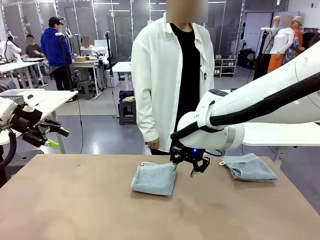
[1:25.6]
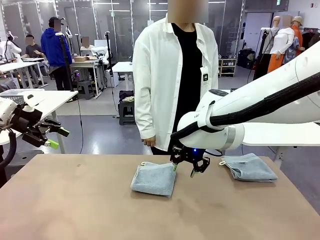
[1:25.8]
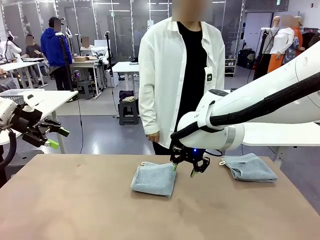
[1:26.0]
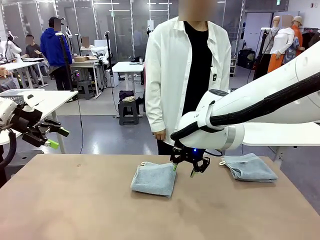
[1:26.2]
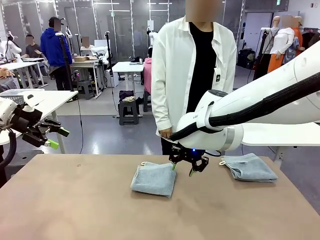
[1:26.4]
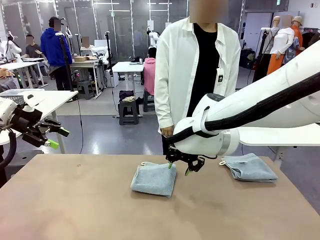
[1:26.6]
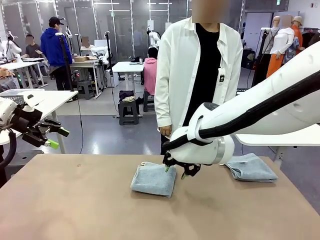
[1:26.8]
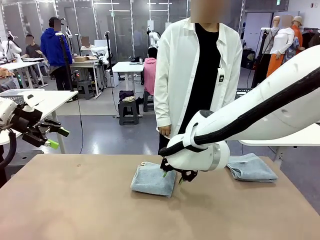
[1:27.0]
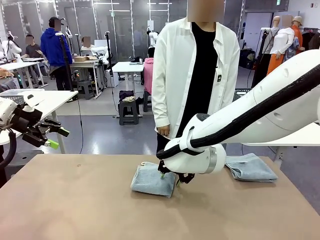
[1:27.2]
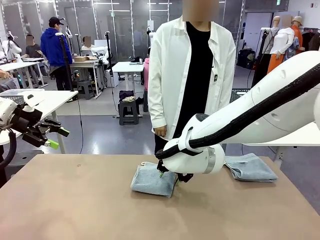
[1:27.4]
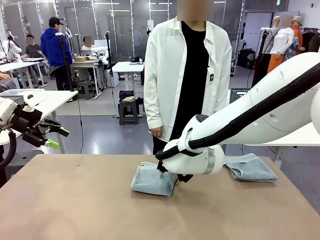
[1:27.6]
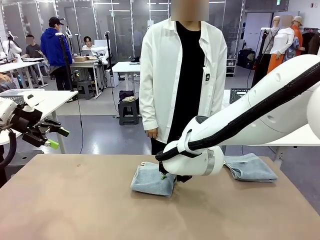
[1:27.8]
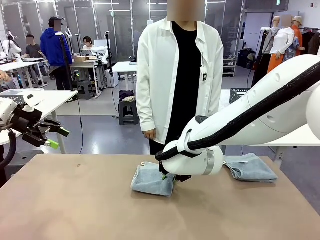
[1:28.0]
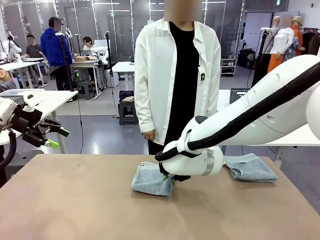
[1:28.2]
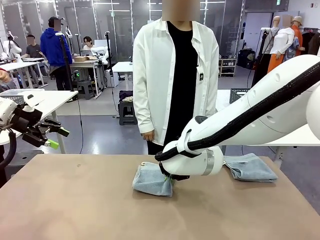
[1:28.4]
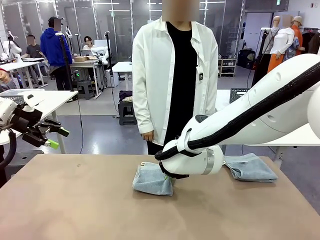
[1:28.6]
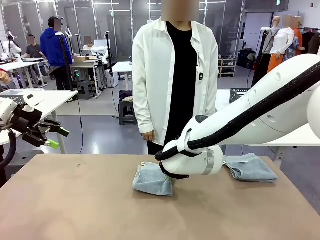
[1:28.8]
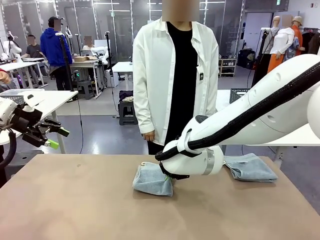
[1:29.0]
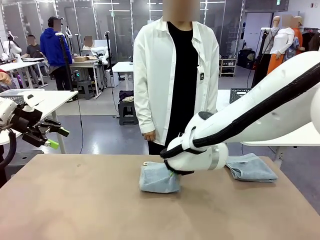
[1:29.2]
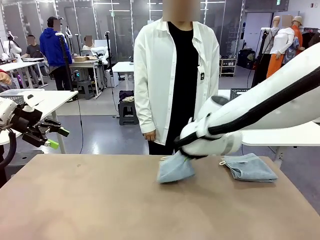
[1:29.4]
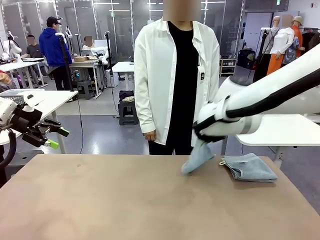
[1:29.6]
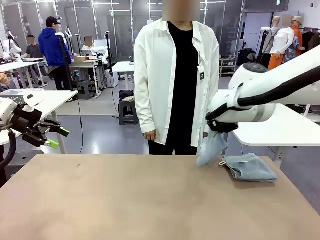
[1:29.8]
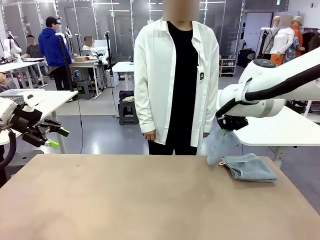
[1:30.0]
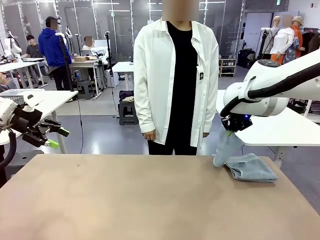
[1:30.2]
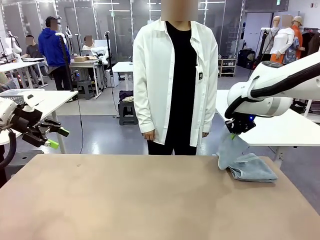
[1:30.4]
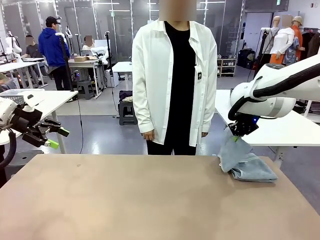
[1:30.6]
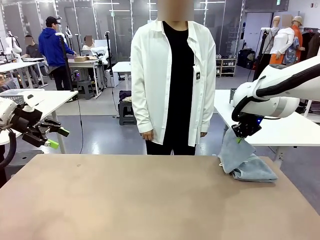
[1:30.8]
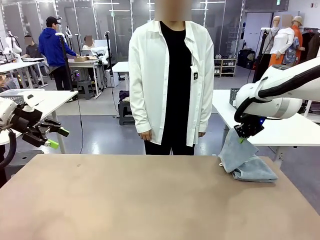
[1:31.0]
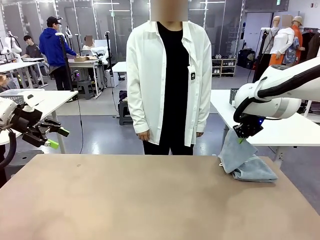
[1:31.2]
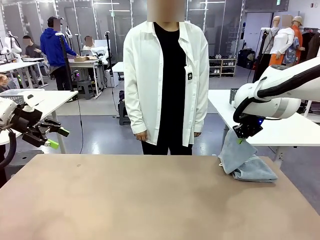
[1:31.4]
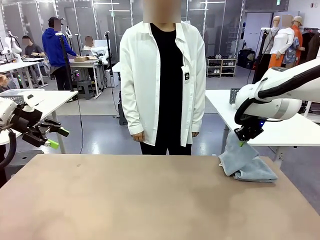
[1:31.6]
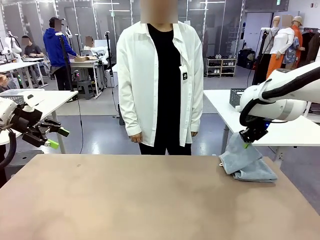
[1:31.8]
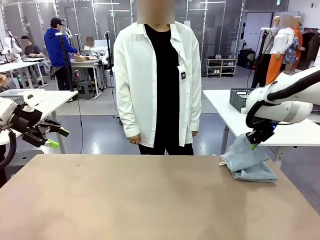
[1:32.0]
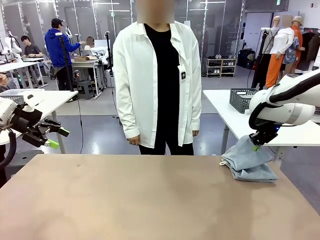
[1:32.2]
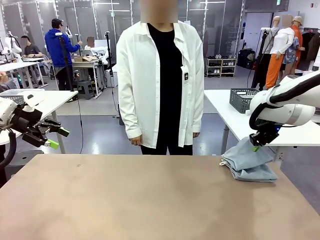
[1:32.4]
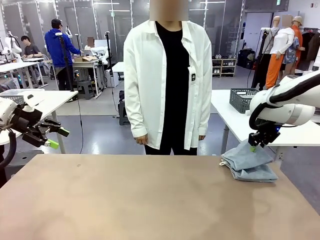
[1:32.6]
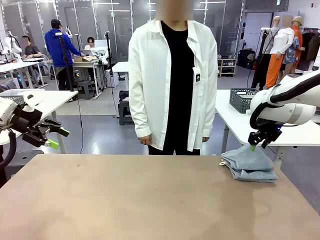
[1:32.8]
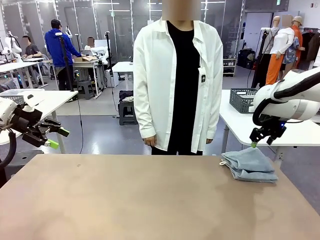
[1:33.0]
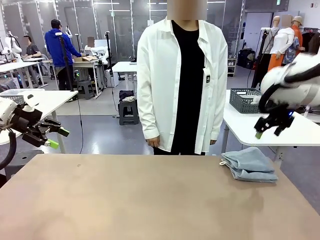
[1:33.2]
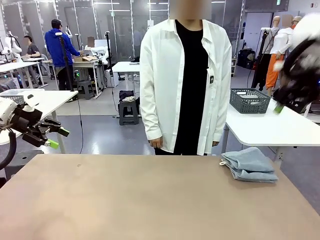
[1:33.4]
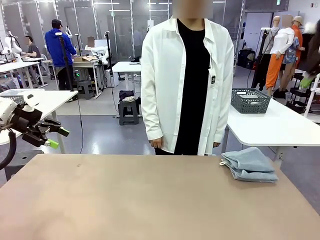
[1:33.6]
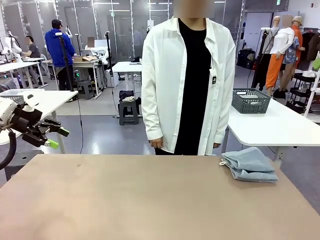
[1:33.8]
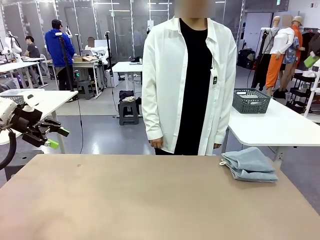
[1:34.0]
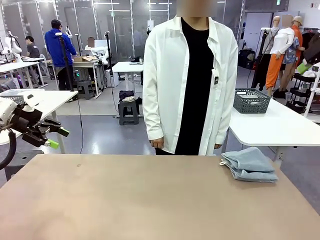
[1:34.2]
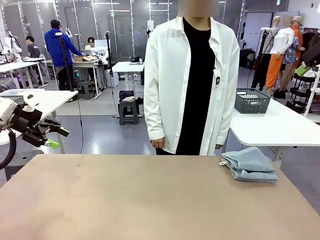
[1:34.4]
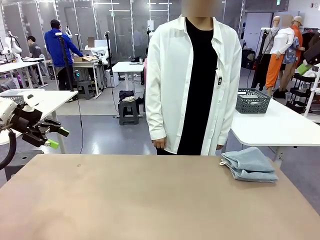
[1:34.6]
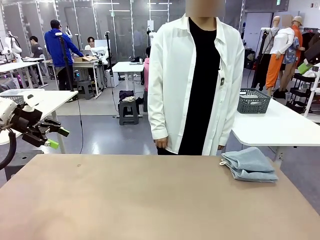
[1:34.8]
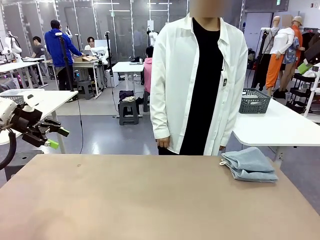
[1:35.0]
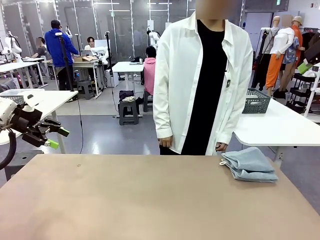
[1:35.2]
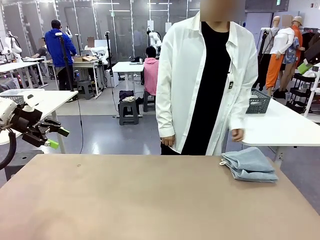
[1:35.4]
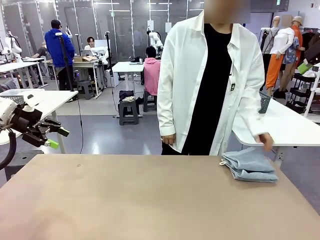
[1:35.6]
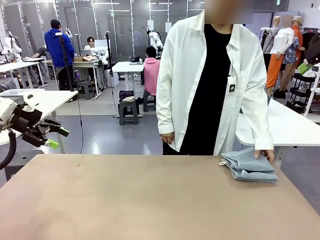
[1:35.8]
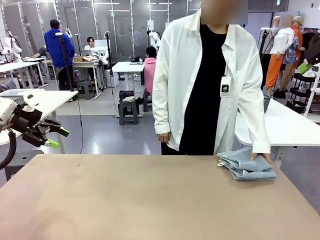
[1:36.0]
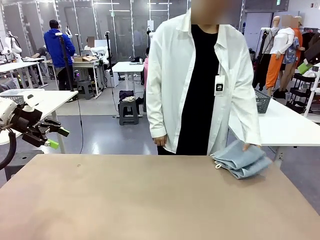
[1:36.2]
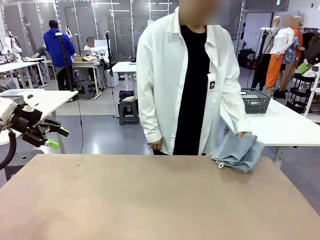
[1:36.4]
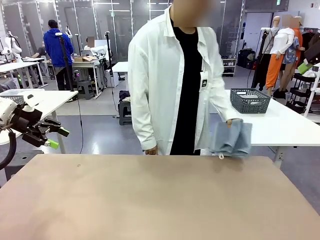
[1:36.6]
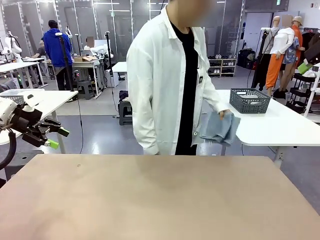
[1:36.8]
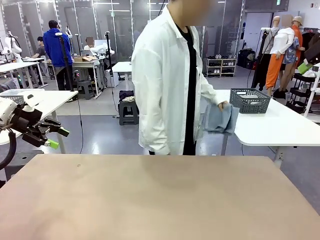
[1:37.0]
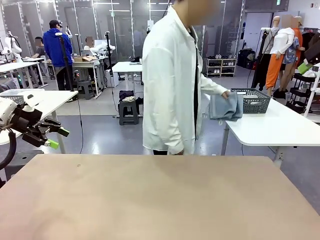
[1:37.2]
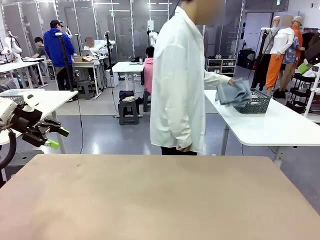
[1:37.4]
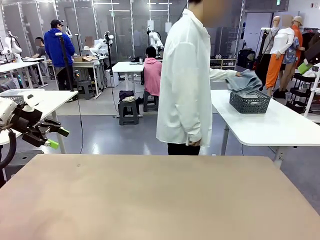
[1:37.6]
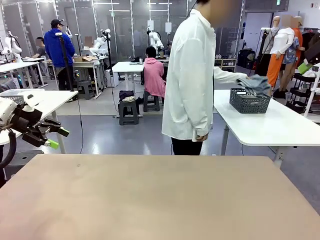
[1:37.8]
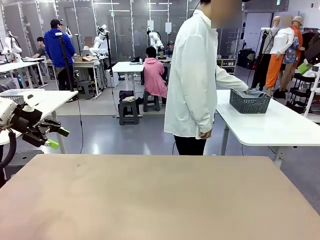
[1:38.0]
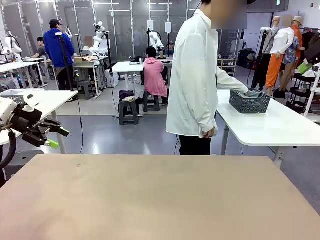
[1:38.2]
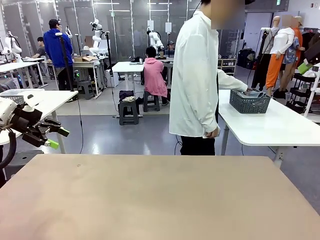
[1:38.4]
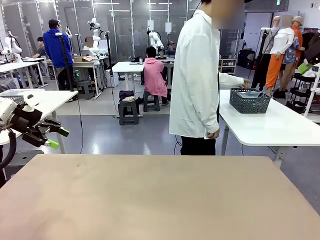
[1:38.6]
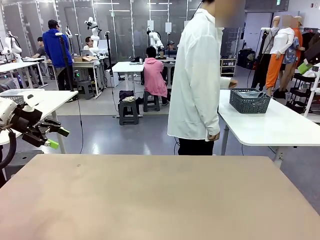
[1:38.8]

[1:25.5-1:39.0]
Task: Fold the towels and place them in the basket.
Robot: Stack the folded Towel with hook on the right side of the table.
Person: Pick up the stack of towels from the robot table and place it into the basket.
